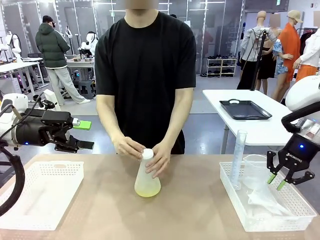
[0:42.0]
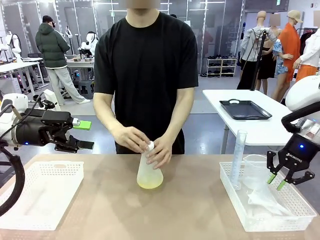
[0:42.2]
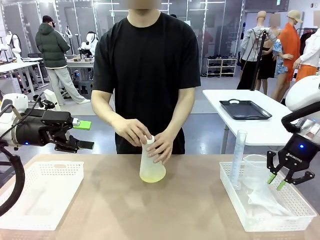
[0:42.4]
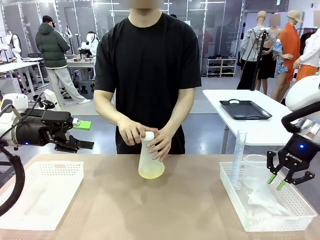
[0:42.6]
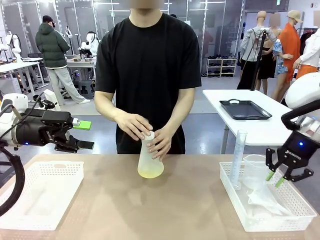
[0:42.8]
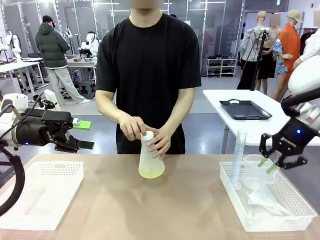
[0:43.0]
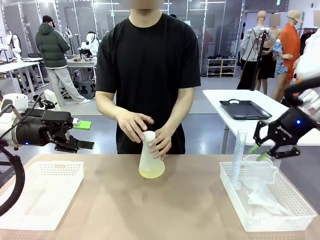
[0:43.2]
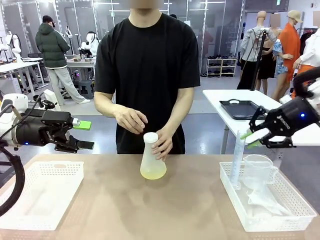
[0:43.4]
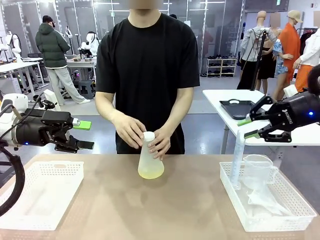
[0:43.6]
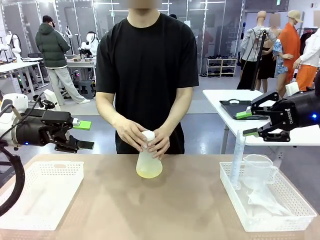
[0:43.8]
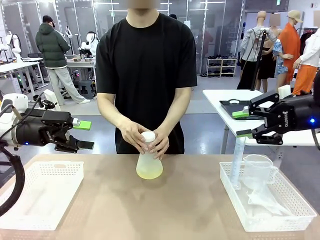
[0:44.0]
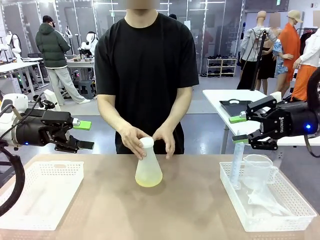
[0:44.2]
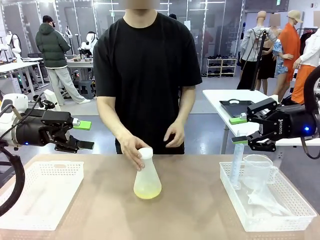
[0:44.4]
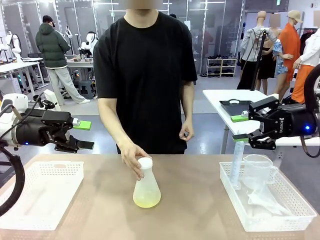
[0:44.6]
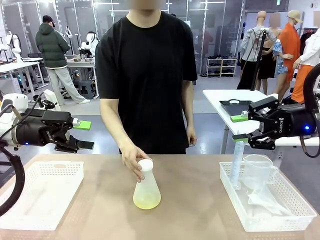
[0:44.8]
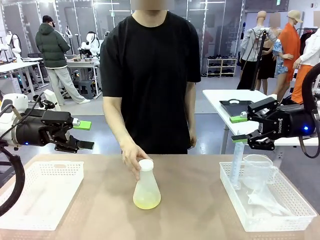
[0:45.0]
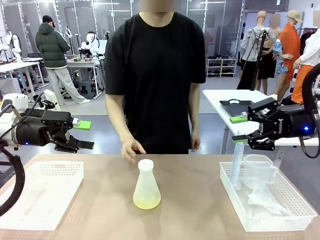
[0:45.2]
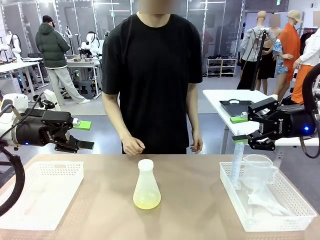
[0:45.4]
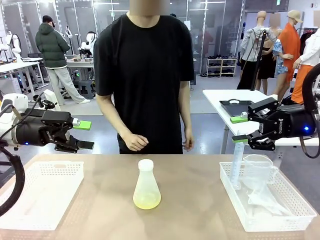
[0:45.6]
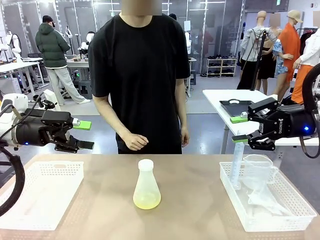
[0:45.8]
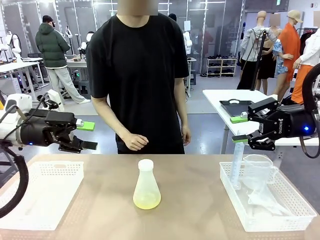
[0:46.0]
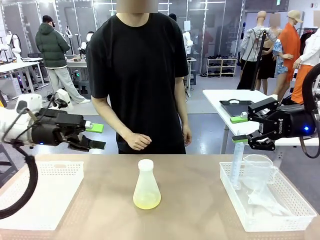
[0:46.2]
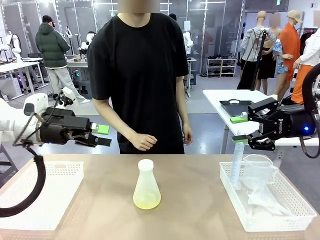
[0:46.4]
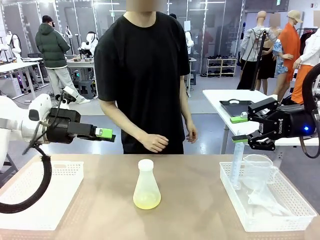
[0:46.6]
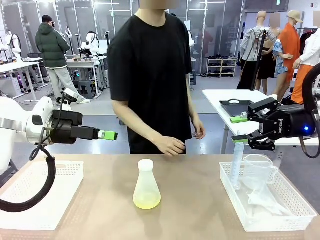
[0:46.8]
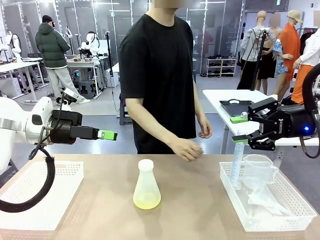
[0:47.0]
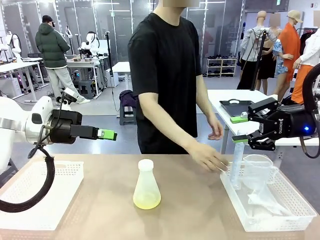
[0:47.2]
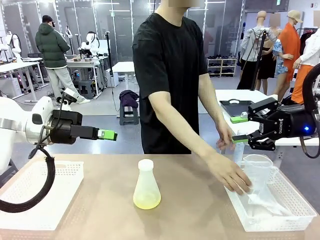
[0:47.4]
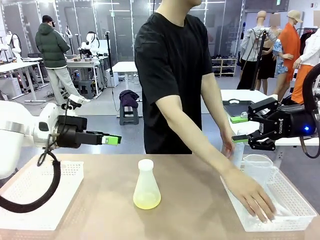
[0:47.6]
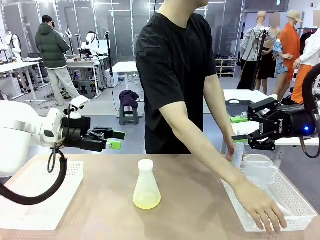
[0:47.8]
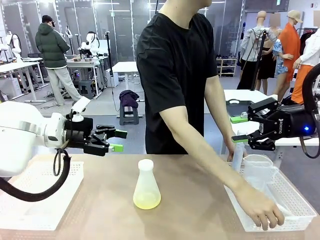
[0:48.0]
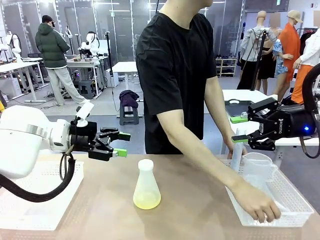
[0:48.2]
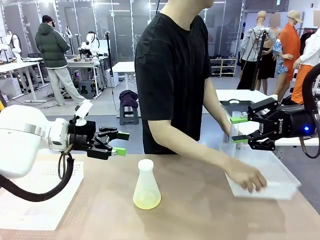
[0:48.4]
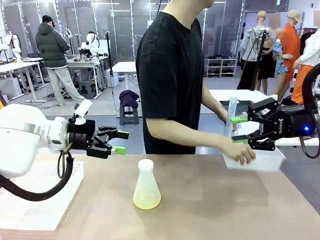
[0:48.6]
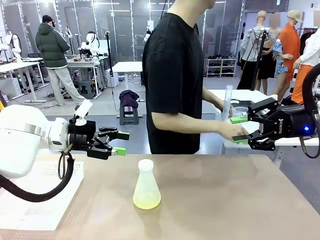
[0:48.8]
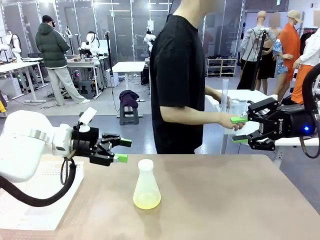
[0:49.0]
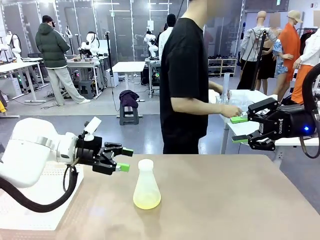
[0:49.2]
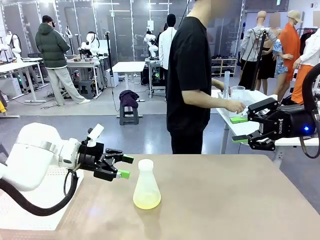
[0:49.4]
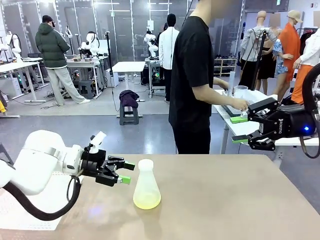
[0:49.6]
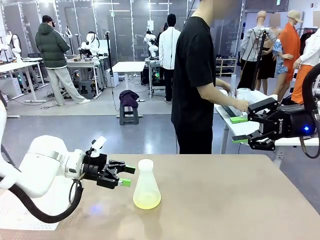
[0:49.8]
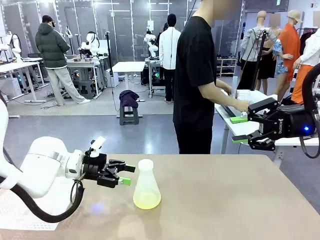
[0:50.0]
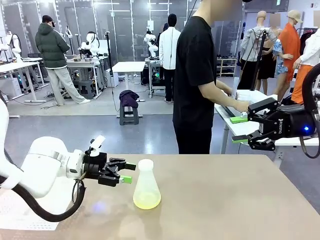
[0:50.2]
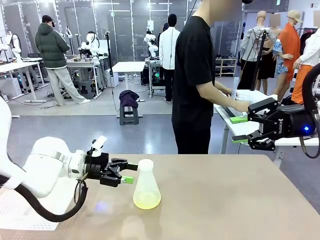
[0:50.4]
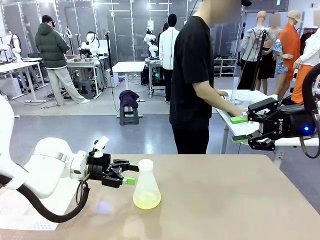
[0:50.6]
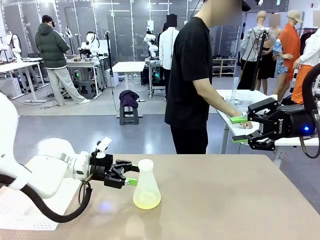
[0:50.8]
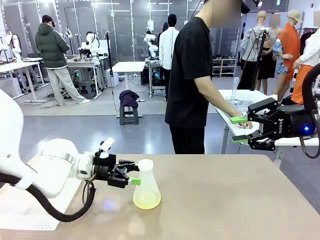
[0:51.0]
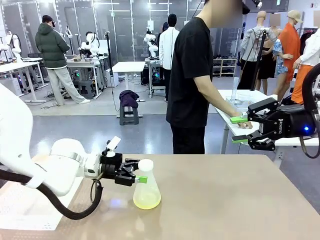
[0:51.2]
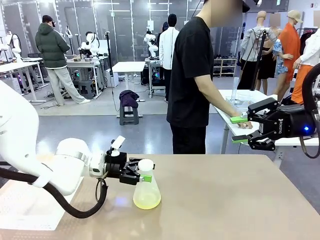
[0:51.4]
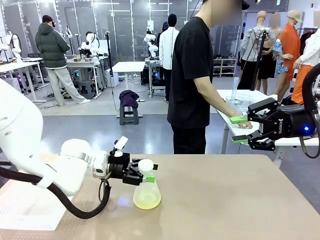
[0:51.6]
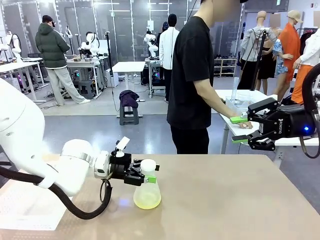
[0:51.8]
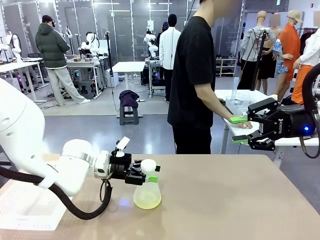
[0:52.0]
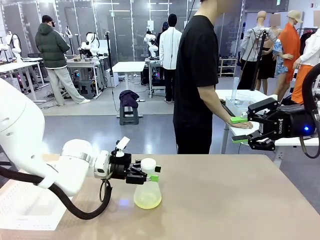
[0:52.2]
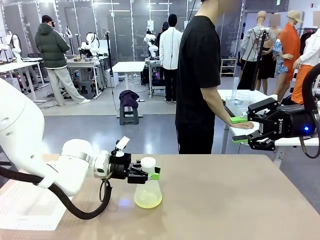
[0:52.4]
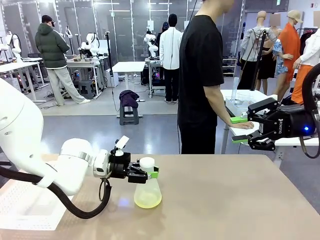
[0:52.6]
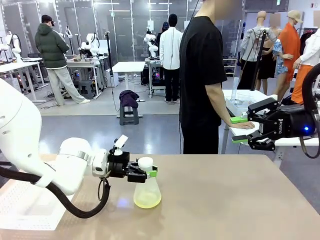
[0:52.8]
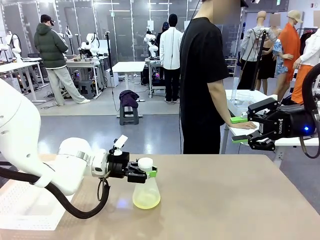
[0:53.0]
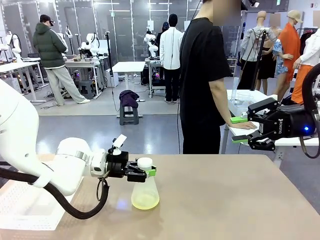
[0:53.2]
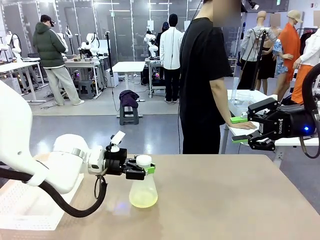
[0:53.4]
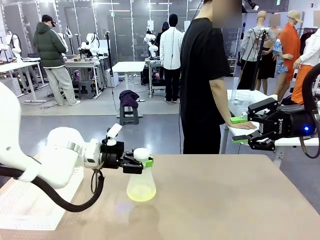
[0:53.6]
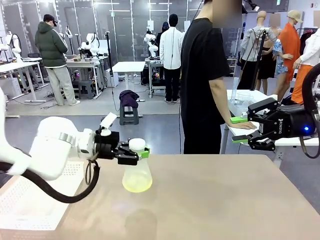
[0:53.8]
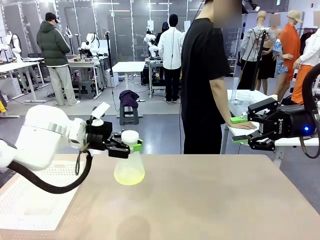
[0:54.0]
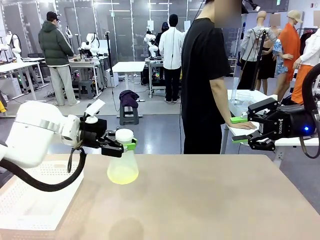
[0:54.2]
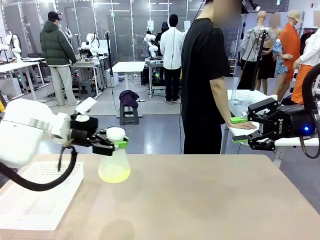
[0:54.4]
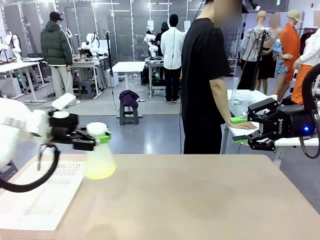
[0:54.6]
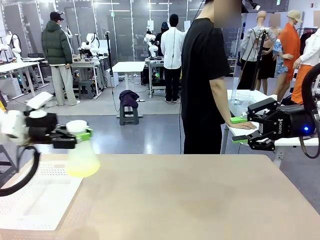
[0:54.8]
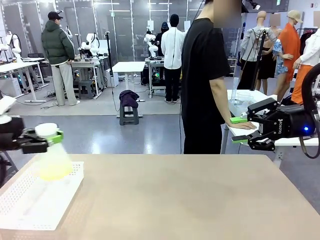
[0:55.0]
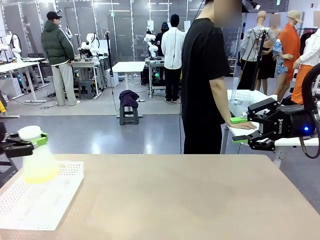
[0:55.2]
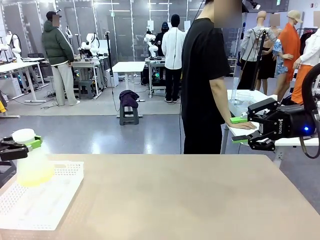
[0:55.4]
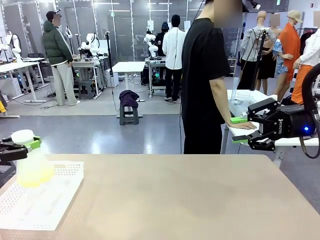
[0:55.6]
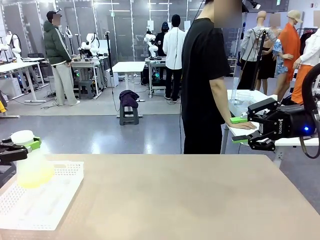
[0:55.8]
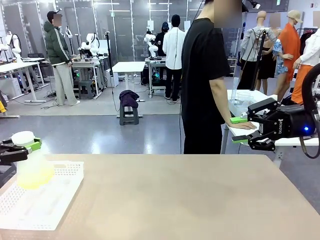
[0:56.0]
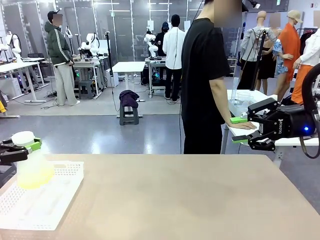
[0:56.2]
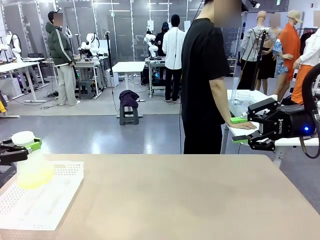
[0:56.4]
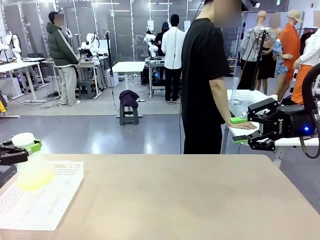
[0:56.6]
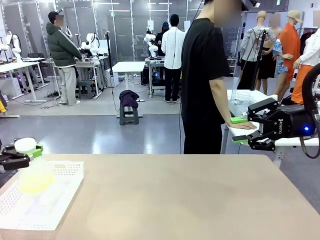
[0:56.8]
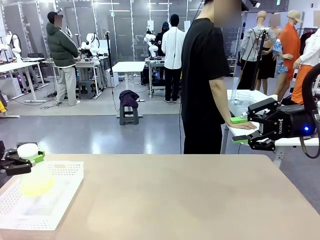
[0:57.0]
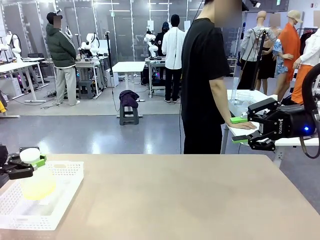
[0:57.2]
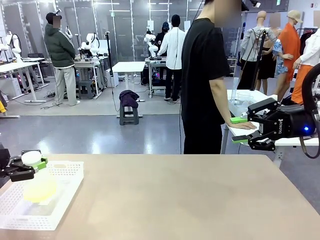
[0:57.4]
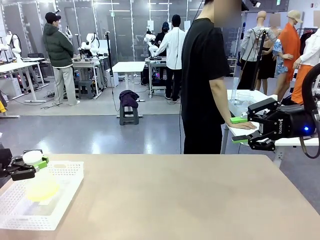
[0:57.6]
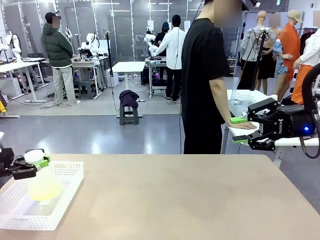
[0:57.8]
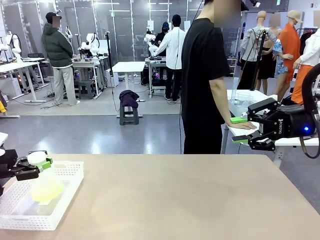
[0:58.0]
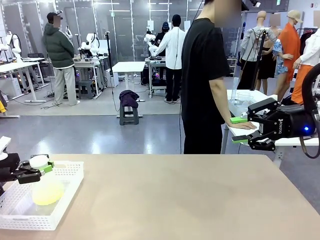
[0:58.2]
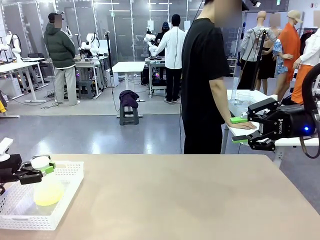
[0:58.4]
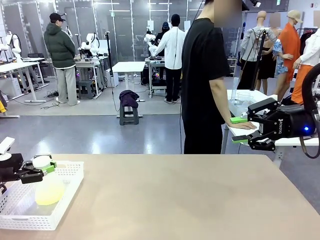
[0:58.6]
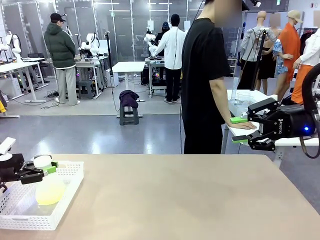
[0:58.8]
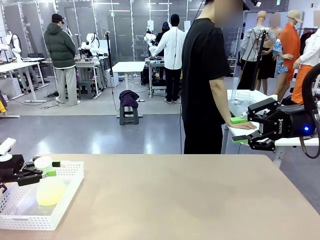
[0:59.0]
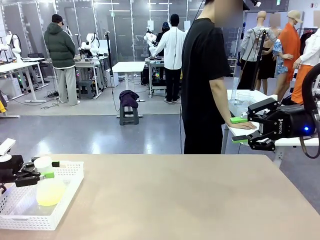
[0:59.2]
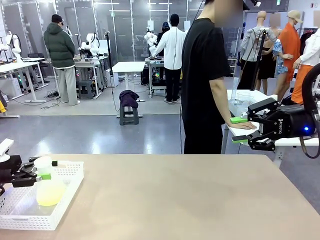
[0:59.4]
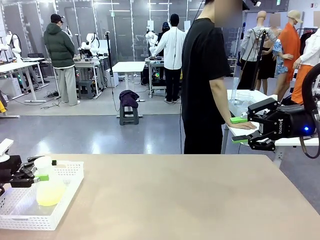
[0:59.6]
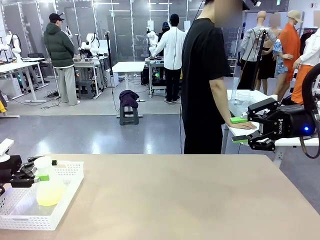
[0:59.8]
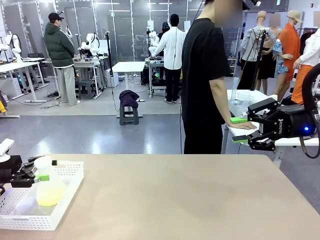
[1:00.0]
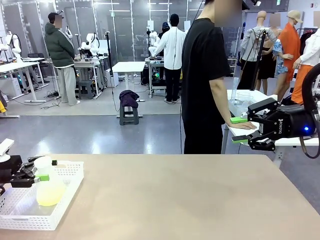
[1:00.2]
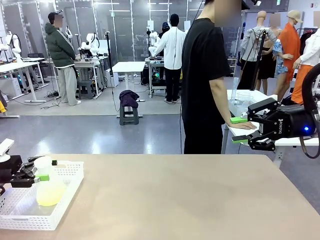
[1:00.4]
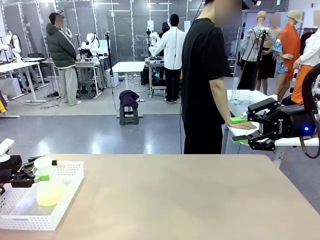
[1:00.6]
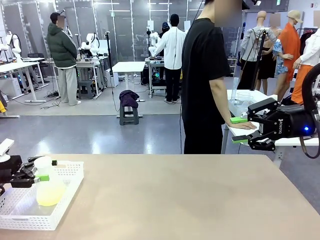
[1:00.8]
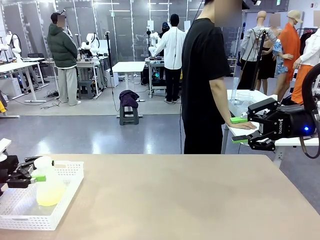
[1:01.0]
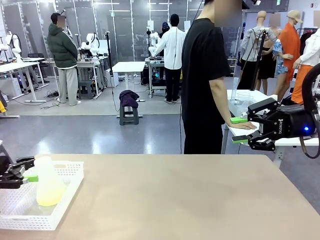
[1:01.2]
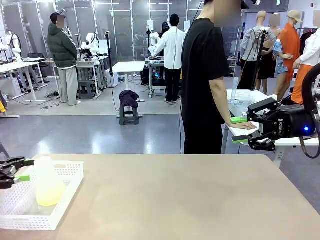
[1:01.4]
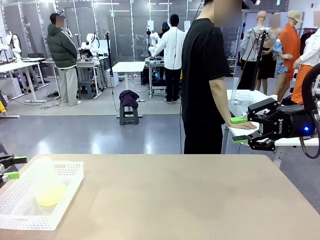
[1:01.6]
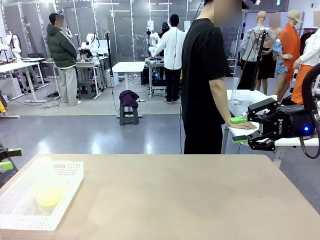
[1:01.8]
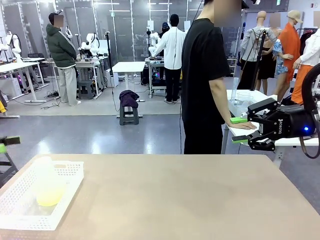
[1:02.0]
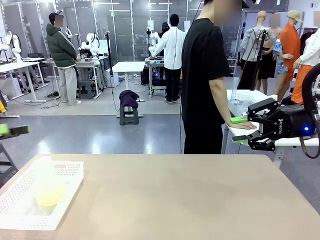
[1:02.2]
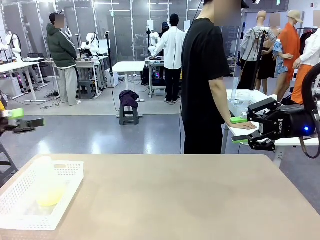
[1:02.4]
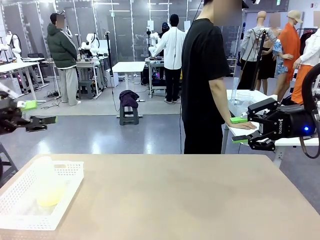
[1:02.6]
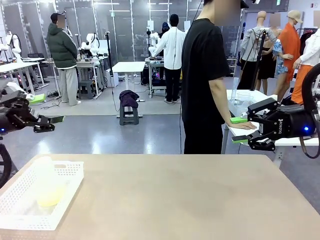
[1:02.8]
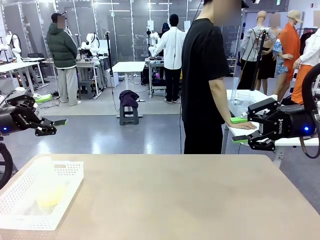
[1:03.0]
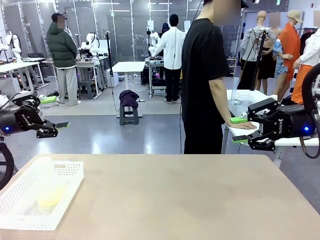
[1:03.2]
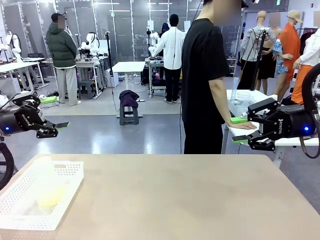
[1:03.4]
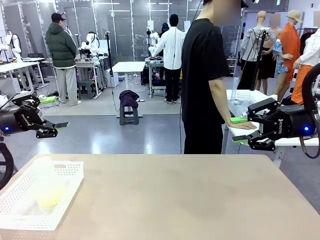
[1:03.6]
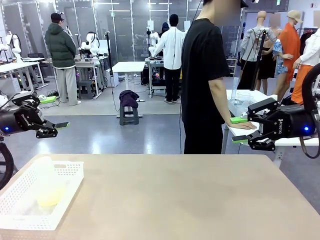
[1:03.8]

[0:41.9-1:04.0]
Task: Prepare the solutions needed for the experiment.
Robot: When the human places the Big flask in the center of the table, pick up the Big flask and place it in the left Organizing basket.
Person: Pick up the organizing basket on the left side of the robot table and place it on the left side of the human table.
